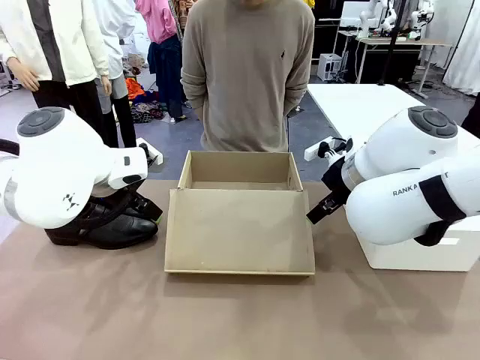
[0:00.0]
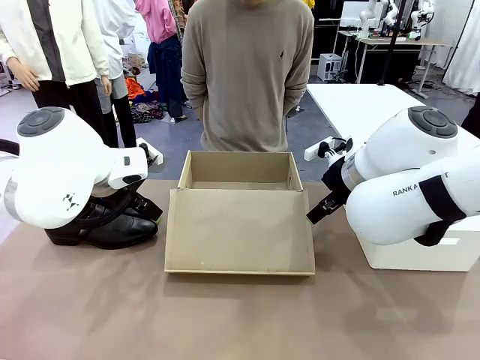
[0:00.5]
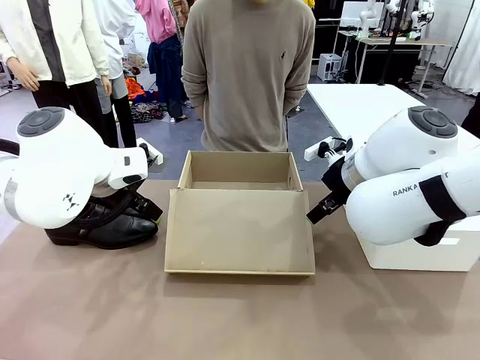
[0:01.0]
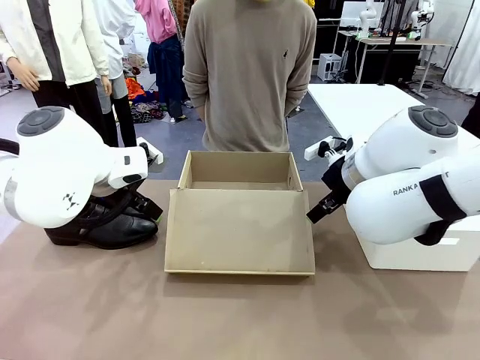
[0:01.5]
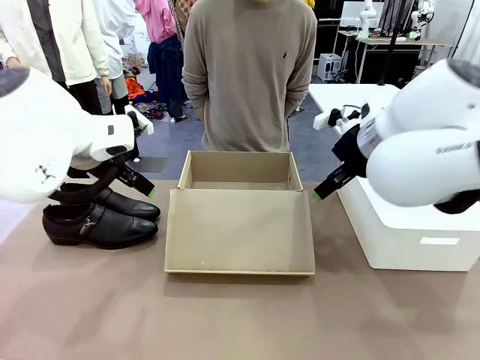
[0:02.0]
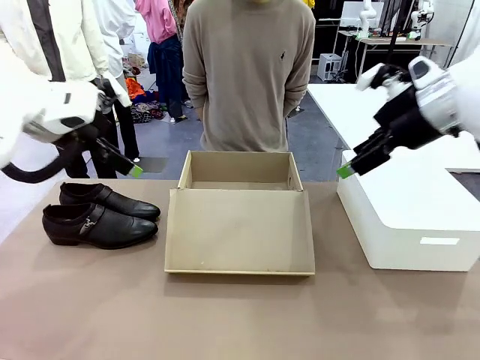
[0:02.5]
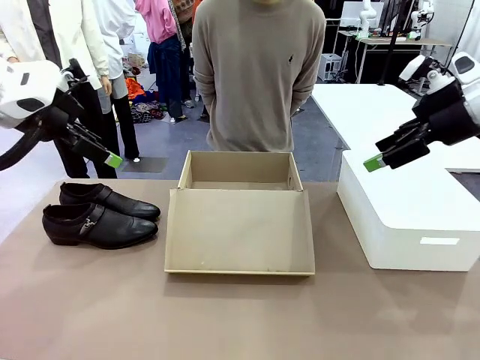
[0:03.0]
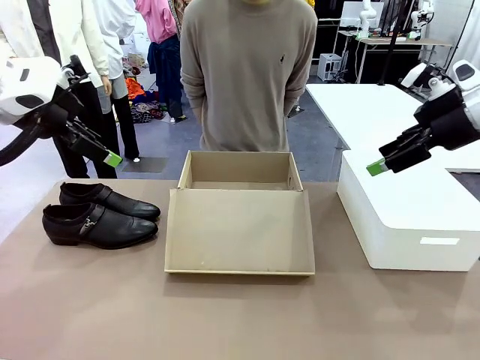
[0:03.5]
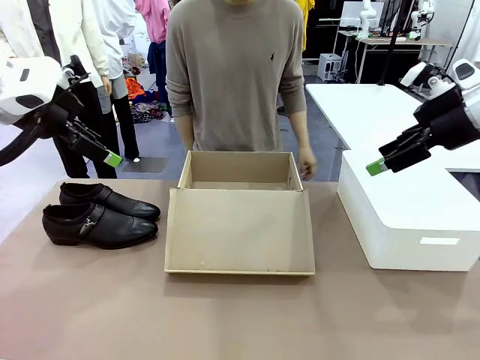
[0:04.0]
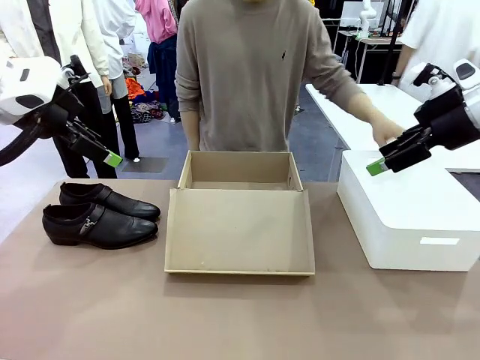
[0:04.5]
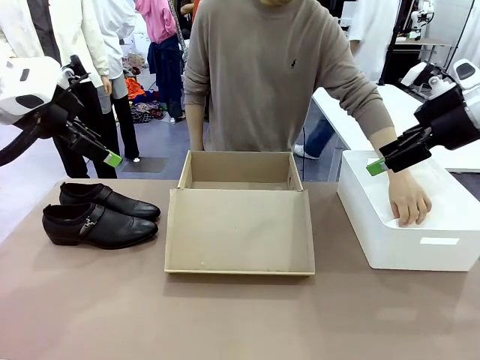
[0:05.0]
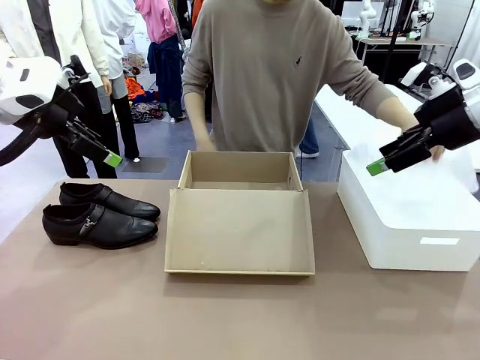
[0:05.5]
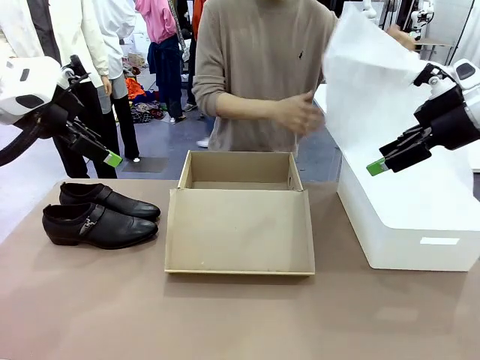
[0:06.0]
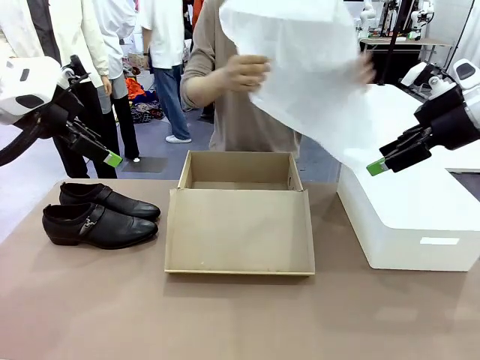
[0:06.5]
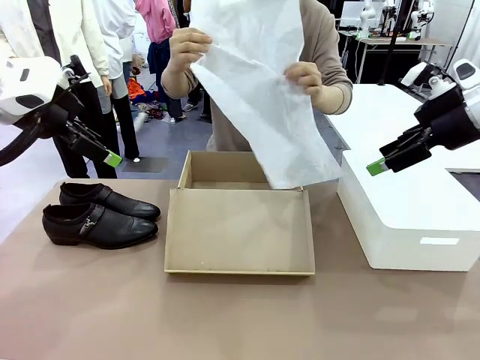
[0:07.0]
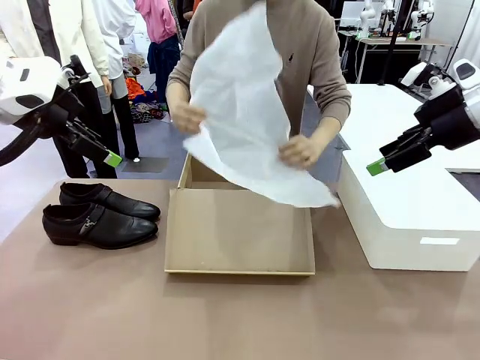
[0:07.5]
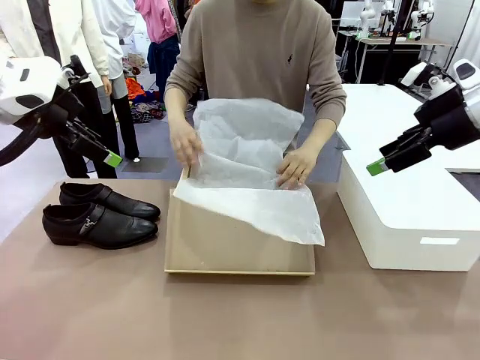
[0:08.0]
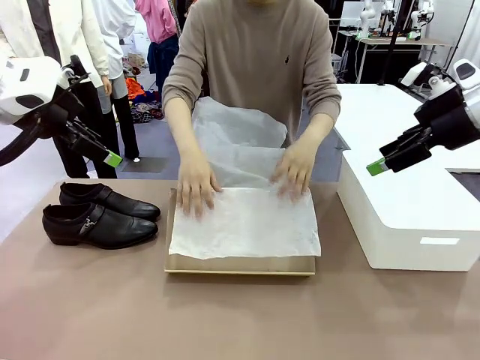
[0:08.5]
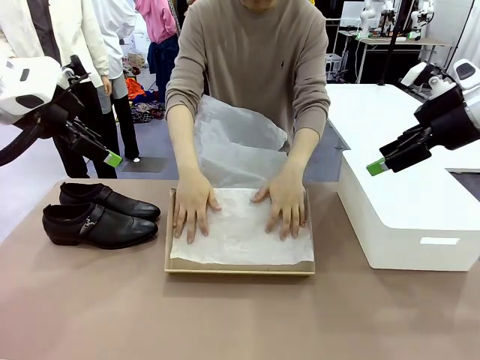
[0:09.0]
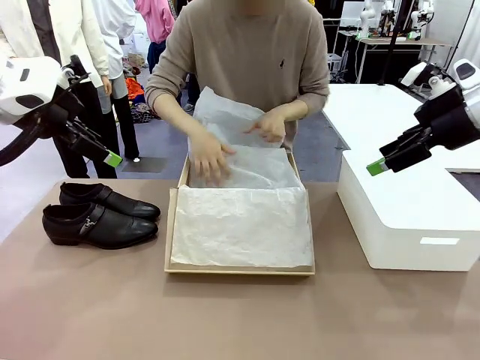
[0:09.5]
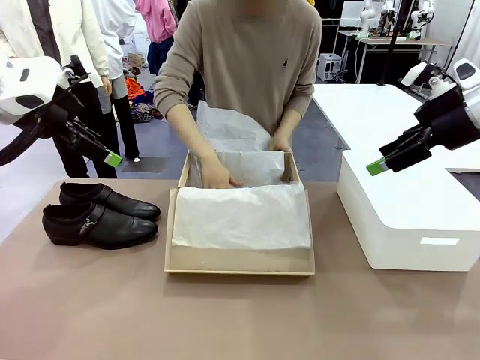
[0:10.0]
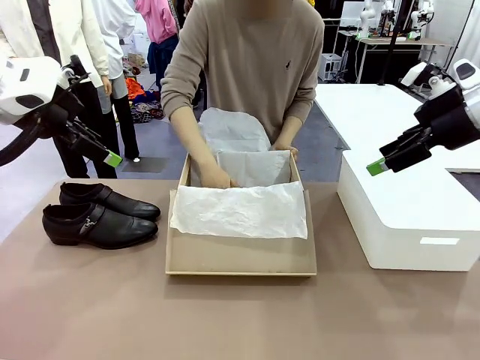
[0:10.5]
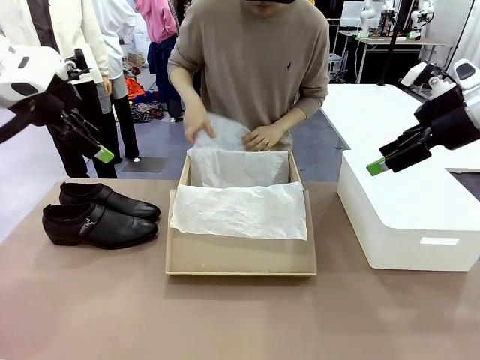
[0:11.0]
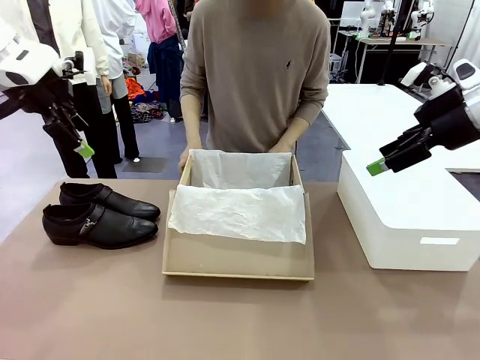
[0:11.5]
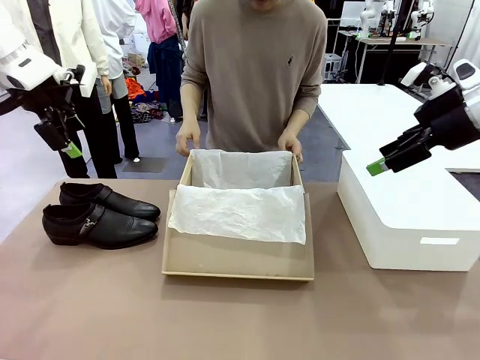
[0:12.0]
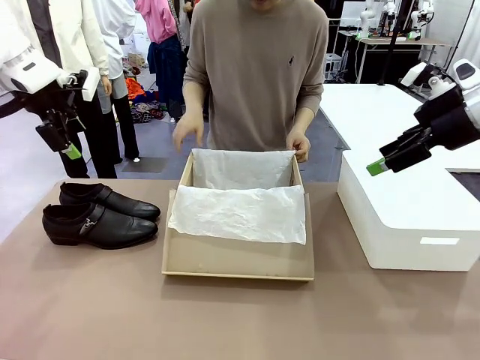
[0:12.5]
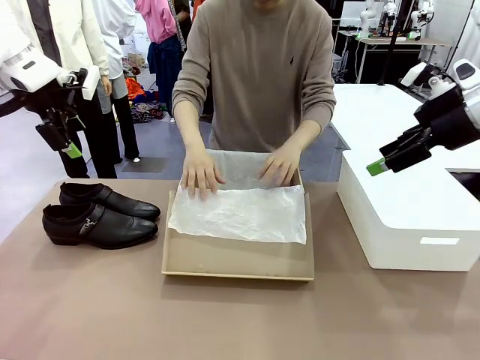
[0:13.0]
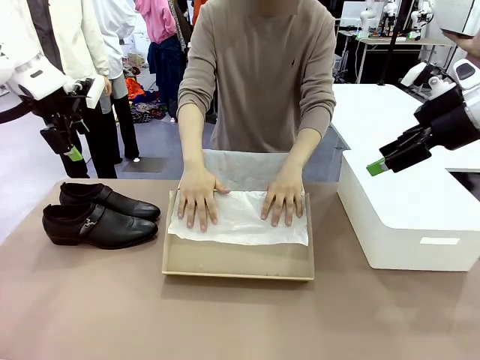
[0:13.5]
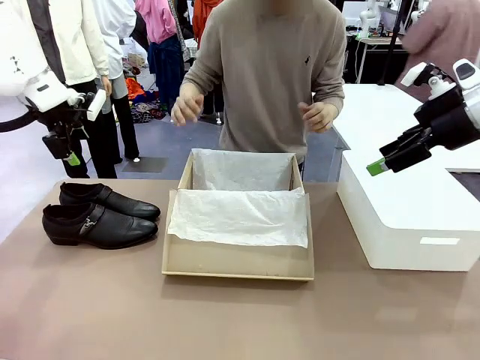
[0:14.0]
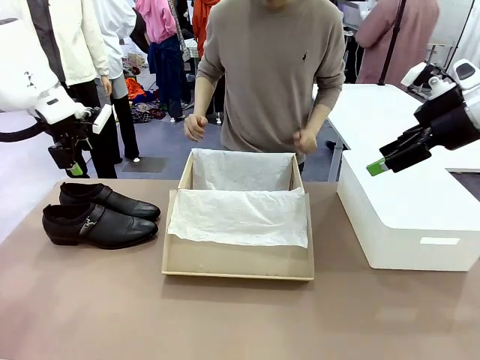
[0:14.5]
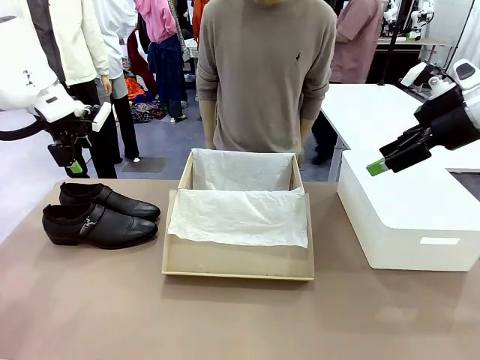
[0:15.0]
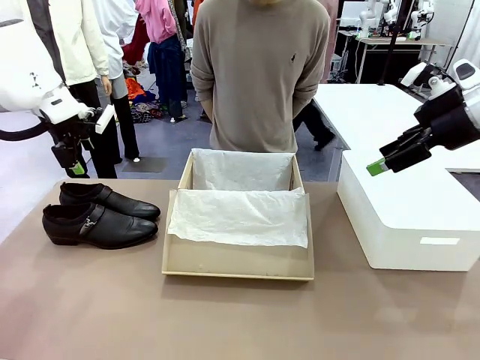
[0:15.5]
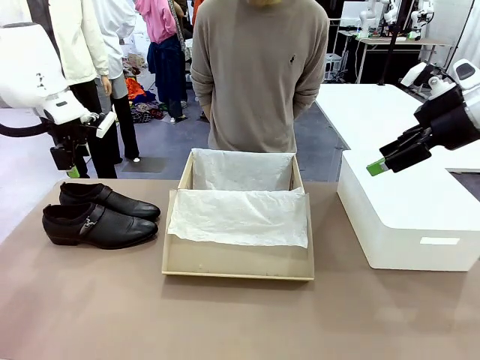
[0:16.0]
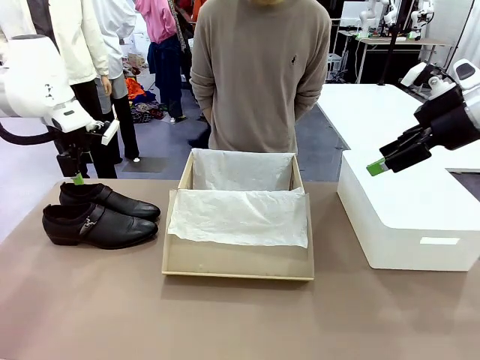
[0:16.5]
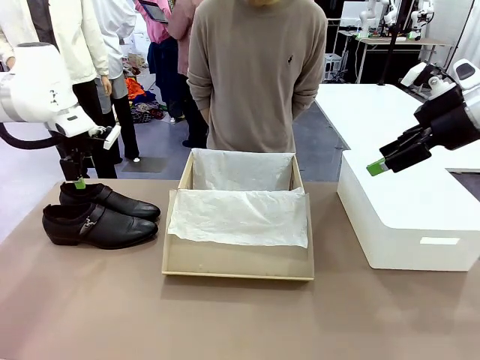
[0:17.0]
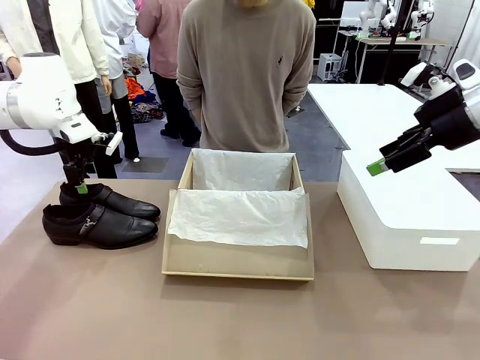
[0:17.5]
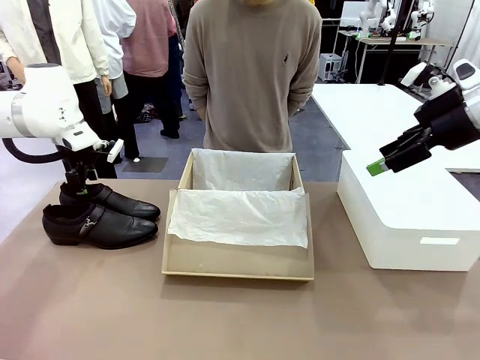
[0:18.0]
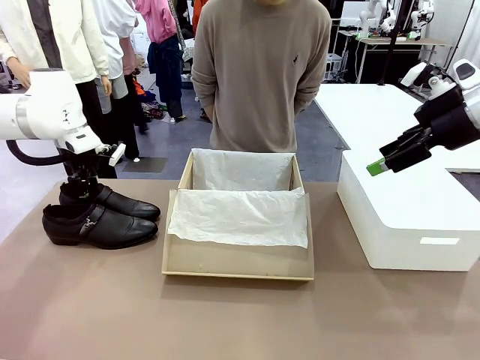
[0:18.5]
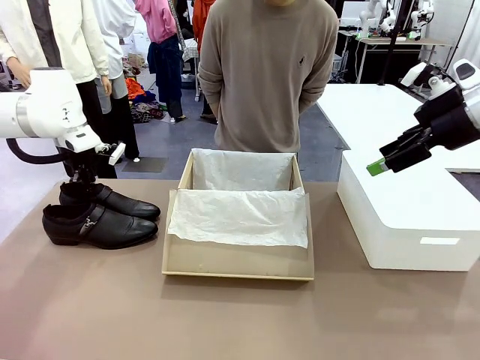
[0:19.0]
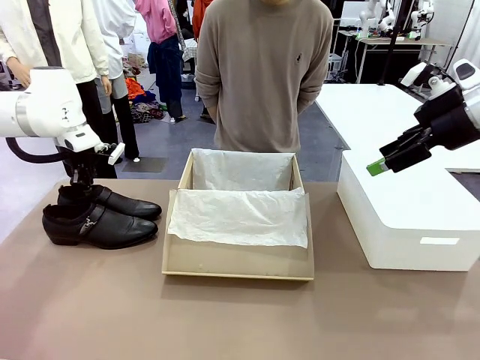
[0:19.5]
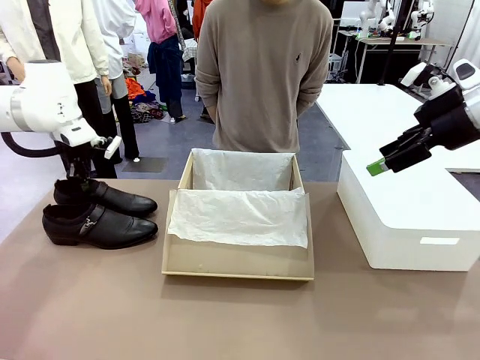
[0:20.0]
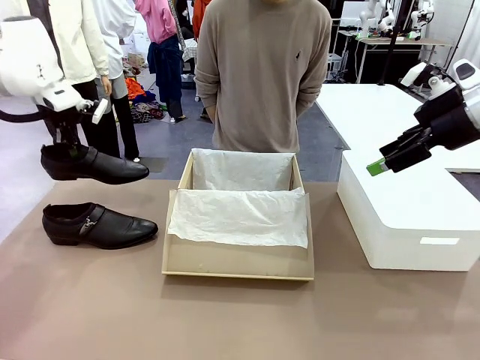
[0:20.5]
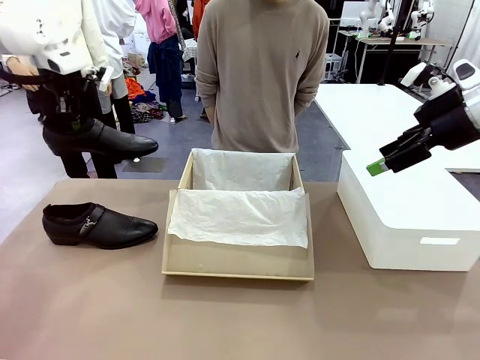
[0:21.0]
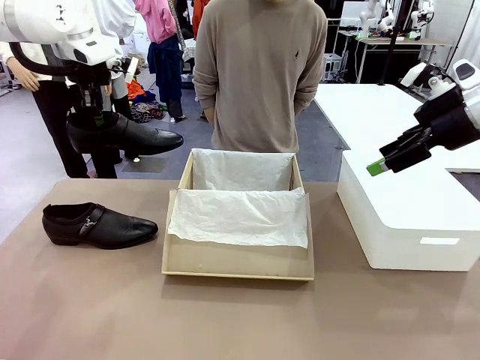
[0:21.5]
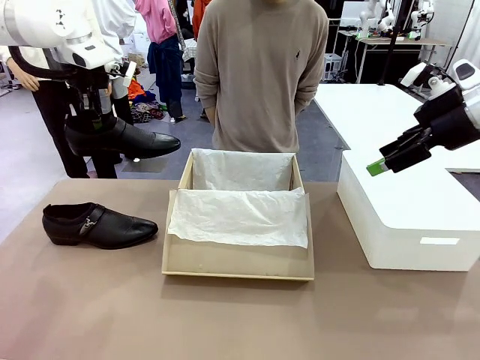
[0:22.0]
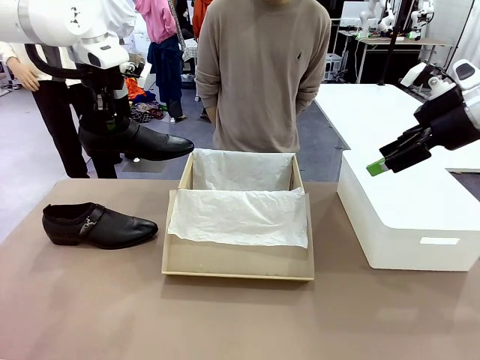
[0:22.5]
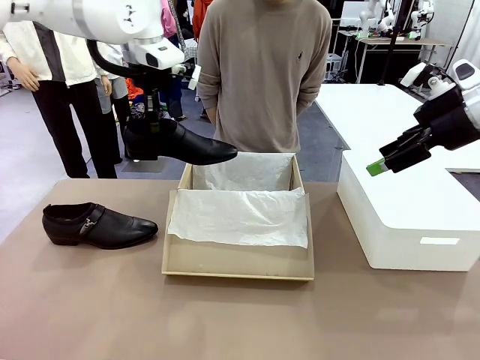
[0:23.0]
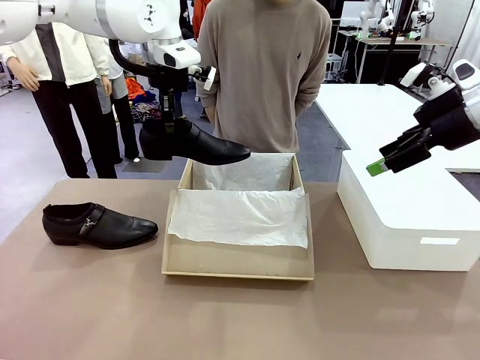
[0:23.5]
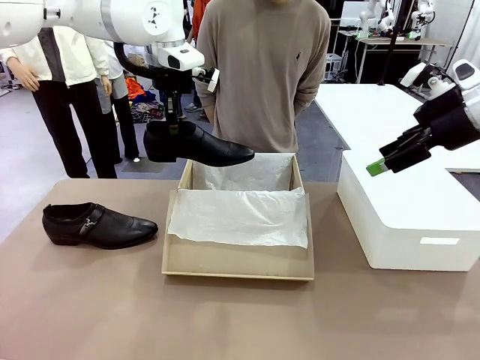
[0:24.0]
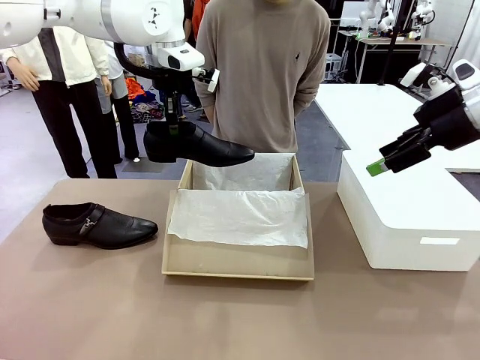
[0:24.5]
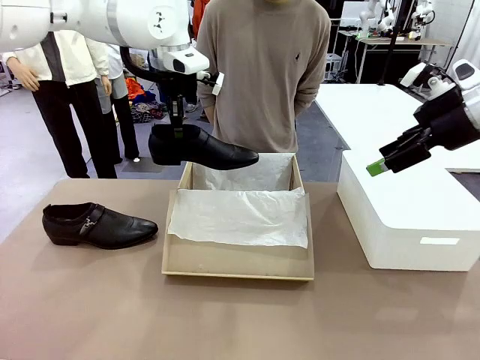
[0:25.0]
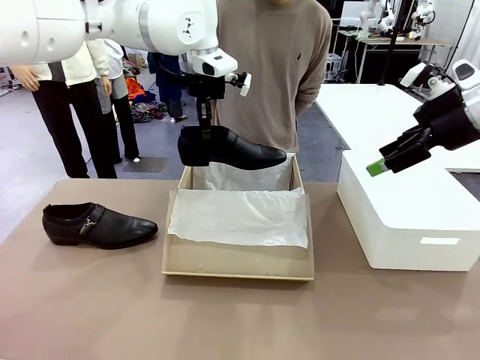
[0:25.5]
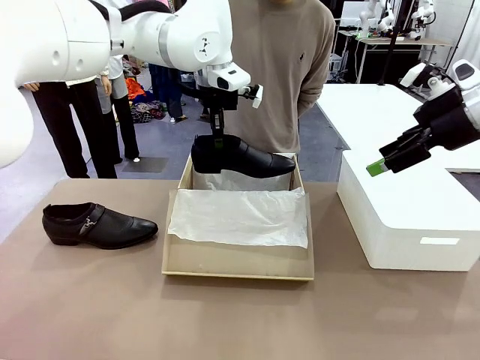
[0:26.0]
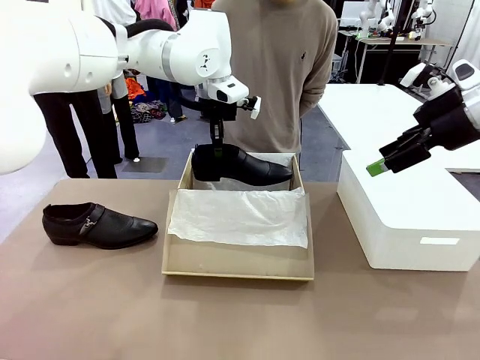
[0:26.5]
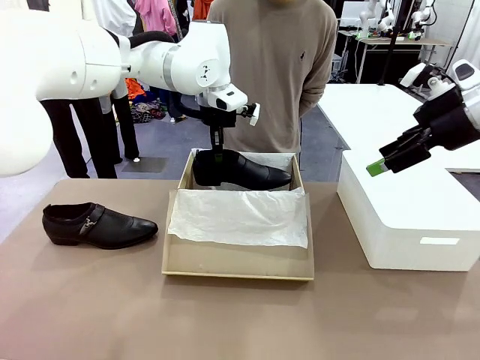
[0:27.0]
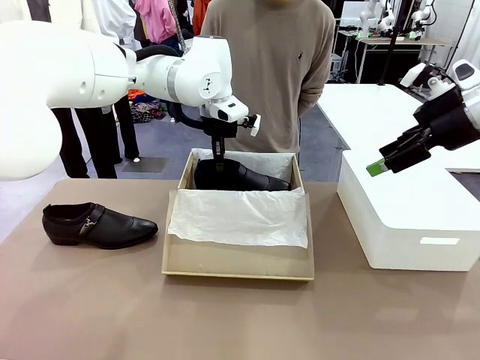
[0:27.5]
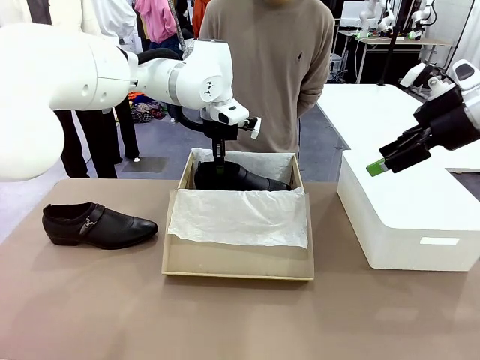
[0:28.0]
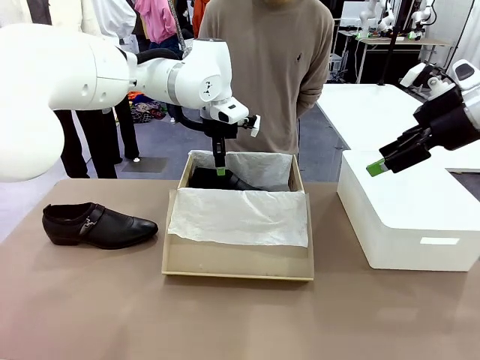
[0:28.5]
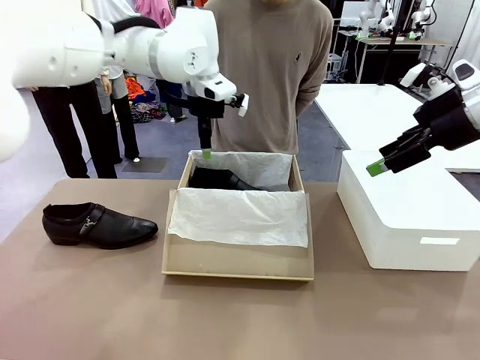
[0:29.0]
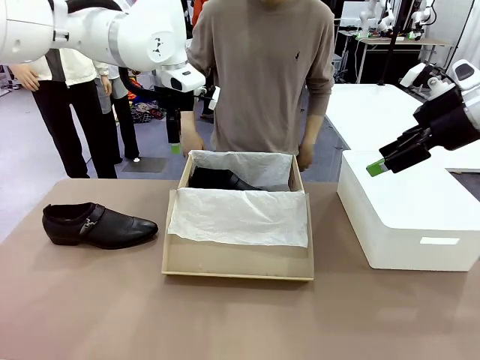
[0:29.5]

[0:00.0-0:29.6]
Task: Pack the shoes into the box.
Robot: Place one shoe of the Shoes into the Shoes Box.
Person: Spread Shoes Wrapping Paper and place inside the Shoes Box.
